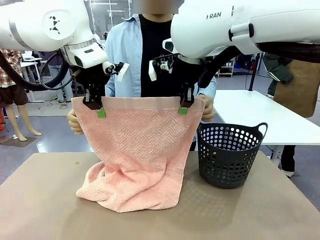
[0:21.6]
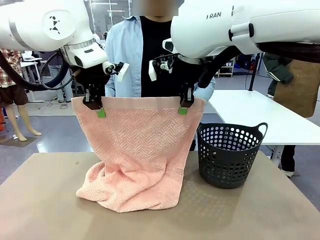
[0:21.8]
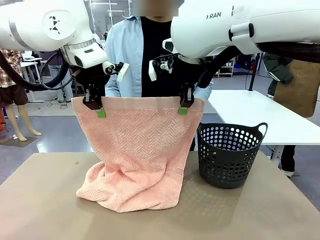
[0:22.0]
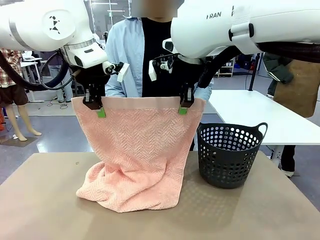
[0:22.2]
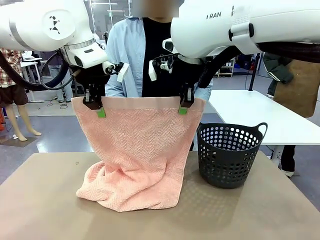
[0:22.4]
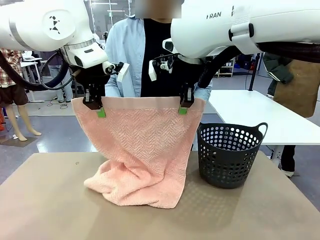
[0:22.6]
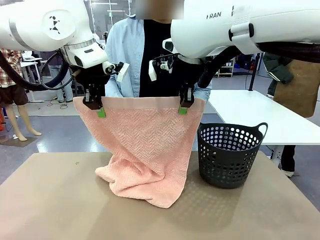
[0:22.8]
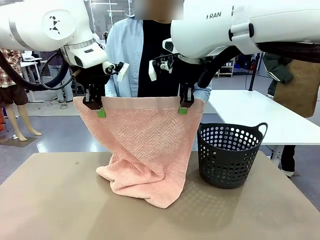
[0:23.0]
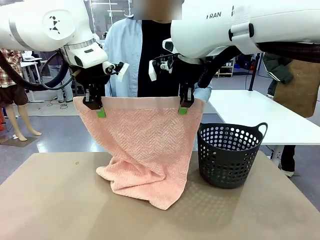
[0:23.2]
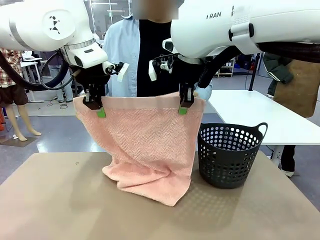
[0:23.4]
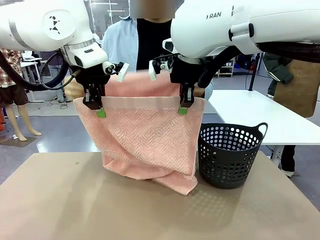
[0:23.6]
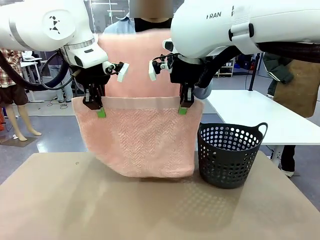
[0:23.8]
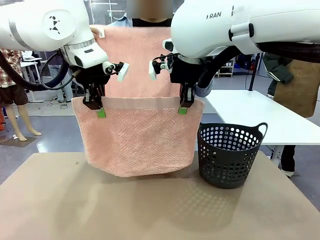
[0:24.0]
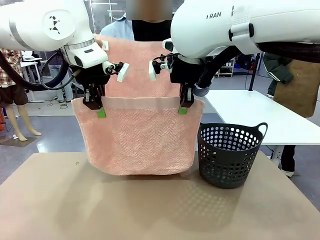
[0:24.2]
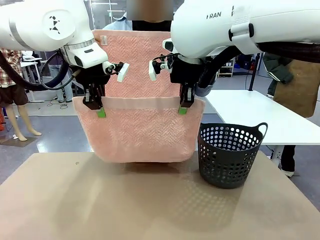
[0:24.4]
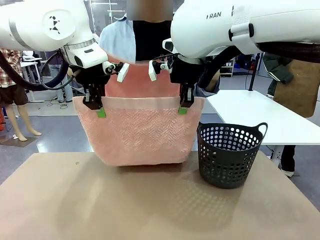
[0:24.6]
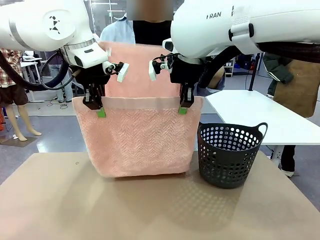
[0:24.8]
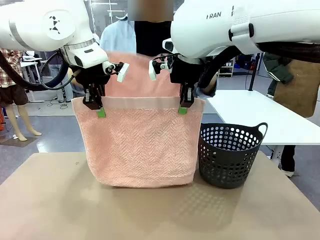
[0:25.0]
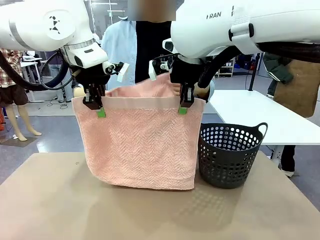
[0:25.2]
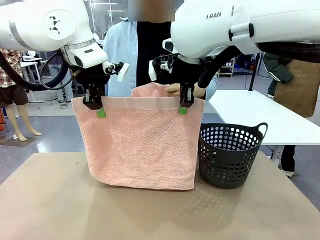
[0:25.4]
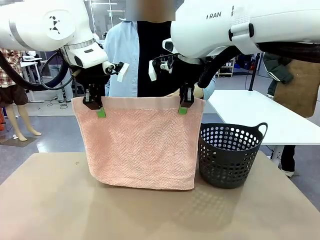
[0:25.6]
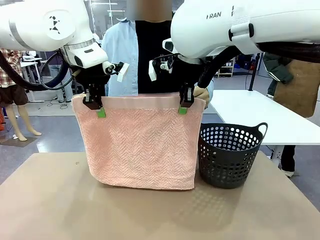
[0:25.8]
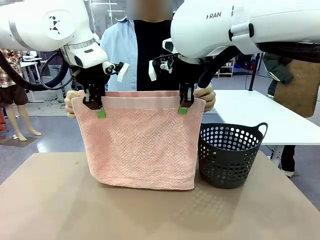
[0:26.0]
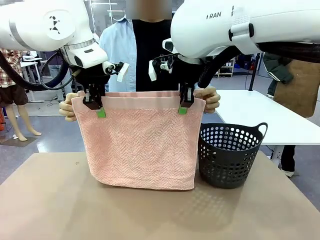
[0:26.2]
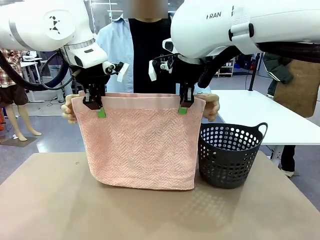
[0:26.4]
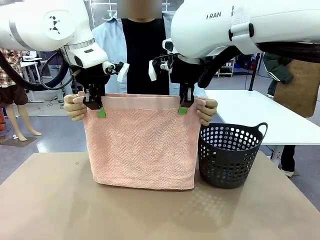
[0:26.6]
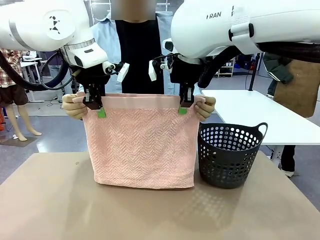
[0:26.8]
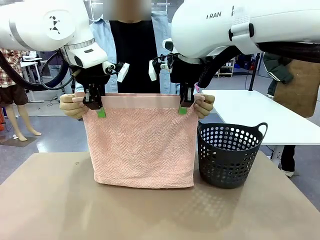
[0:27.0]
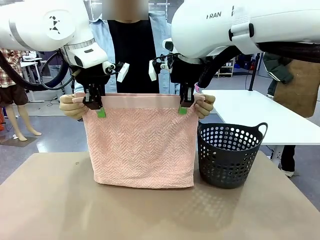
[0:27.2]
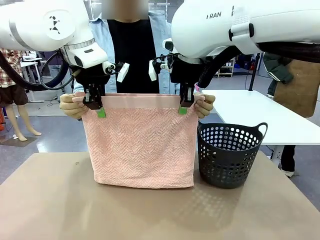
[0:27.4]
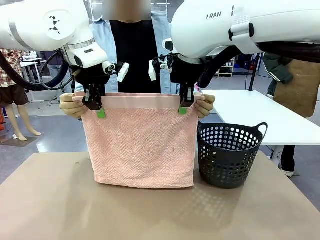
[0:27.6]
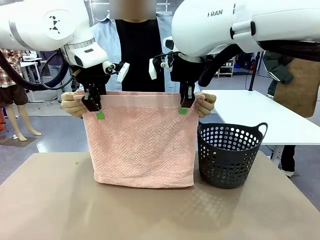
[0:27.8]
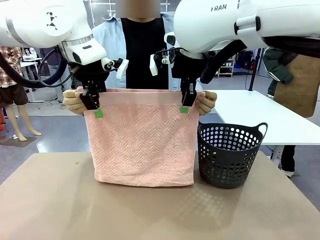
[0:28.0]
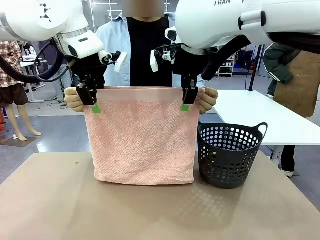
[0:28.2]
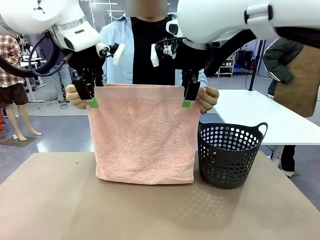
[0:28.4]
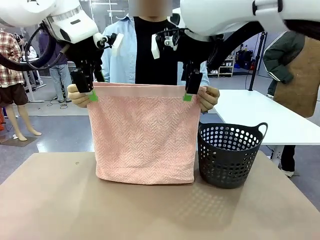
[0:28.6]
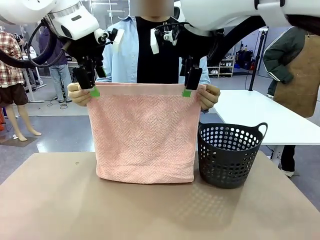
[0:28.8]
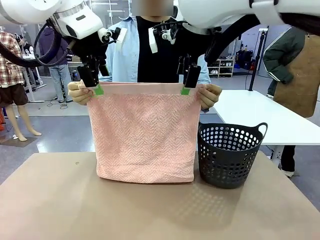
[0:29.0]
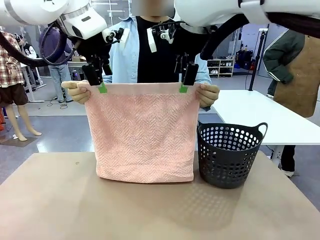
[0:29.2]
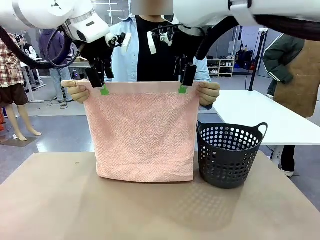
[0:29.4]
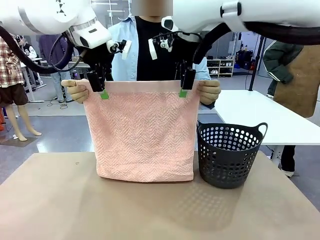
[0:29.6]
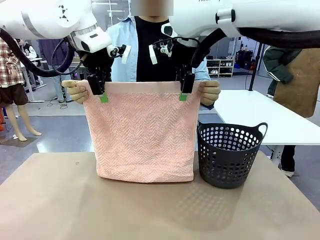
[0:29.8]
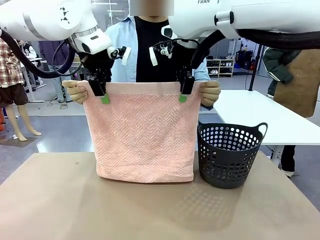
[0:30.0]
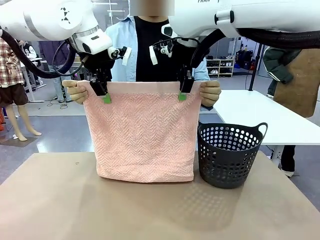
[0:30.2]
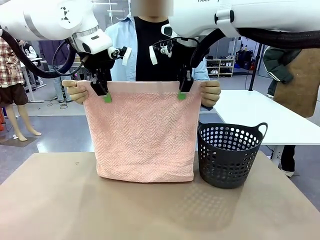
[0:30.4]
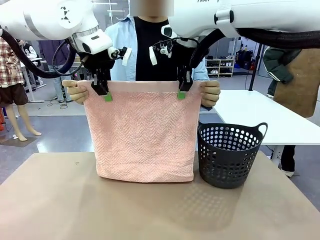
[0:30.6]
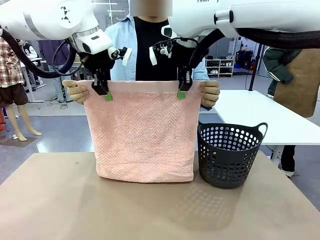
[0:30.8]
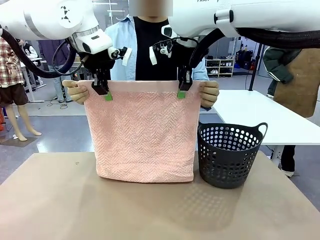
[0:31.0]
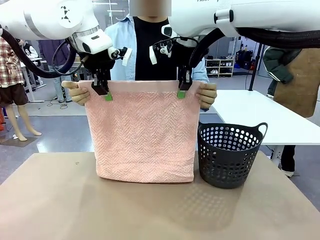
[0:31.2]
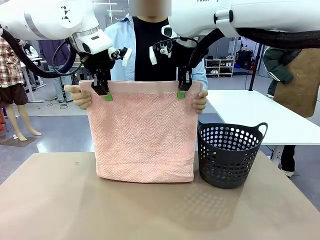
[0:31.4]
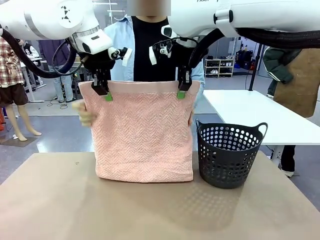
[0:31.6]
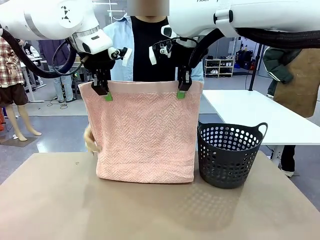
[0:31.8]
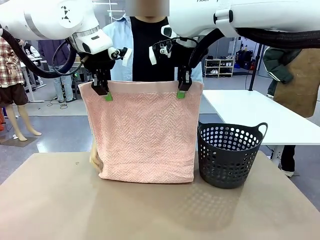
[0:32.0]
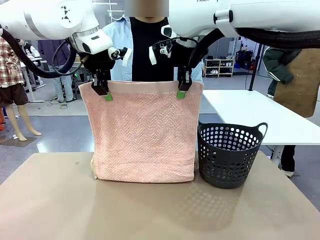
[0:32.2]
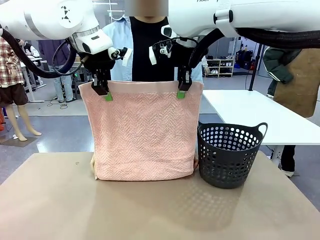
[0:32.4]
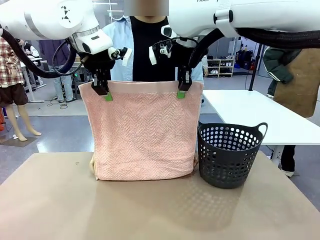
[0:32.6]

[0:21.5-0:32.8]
Task: Fold the towel.
Robot: Release the end of the 100 cm Hotel Towel you were holding and grab the top end of the folded side.
Person: Using the point held by the robot as a reference, grasp the opposite end, fold the towel in half, and then hold both ends of the folded towel.

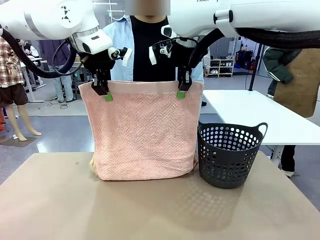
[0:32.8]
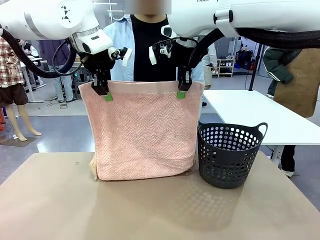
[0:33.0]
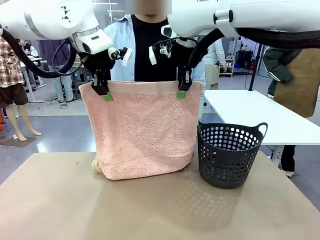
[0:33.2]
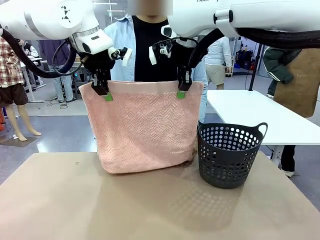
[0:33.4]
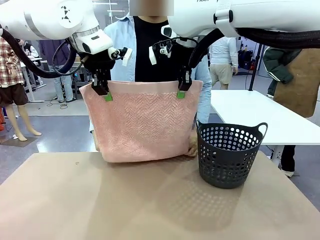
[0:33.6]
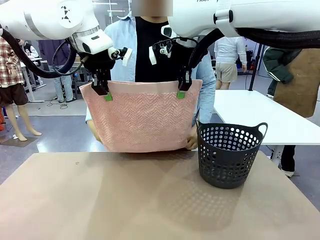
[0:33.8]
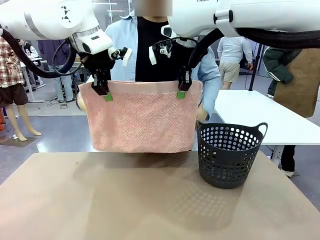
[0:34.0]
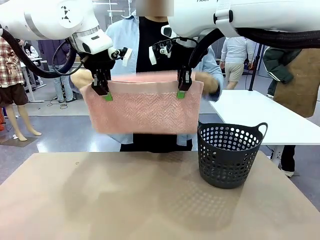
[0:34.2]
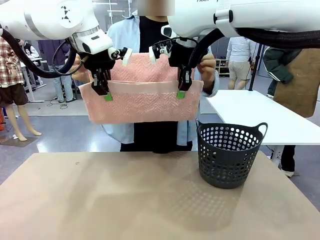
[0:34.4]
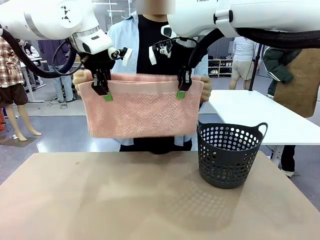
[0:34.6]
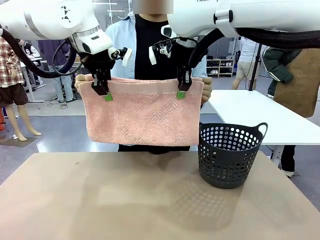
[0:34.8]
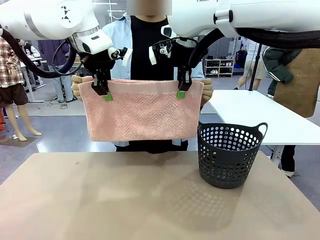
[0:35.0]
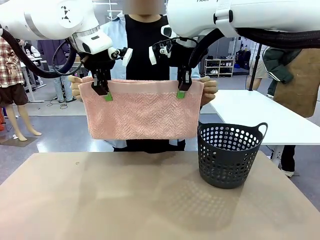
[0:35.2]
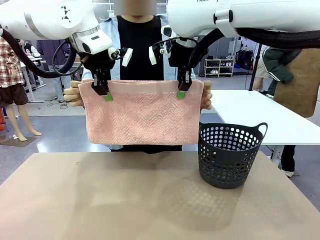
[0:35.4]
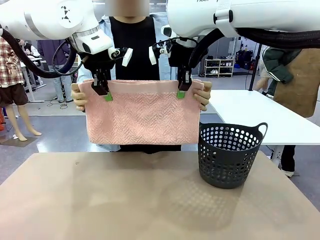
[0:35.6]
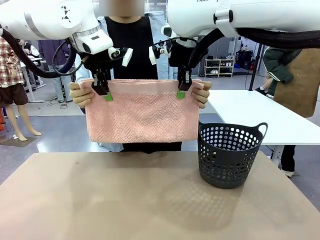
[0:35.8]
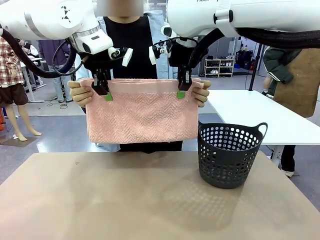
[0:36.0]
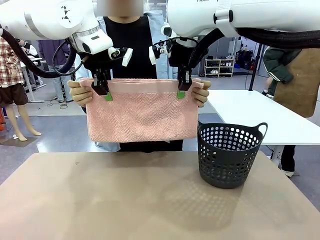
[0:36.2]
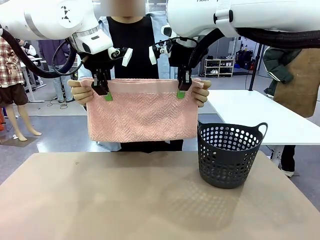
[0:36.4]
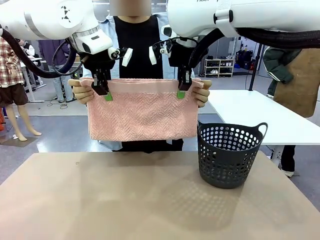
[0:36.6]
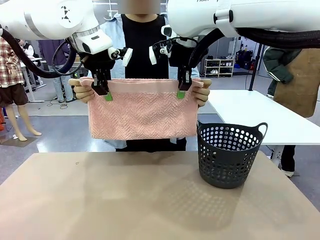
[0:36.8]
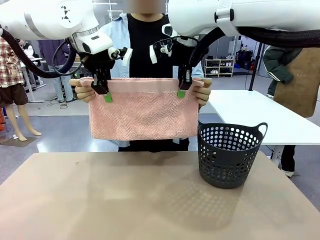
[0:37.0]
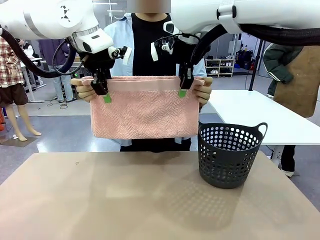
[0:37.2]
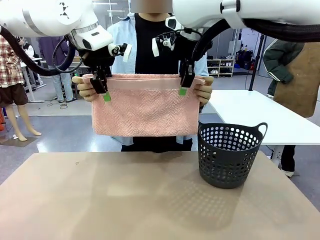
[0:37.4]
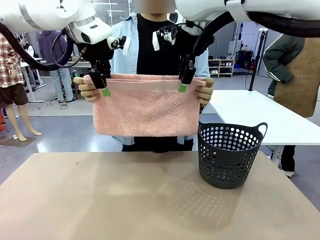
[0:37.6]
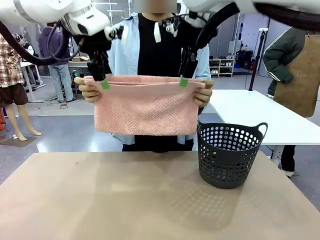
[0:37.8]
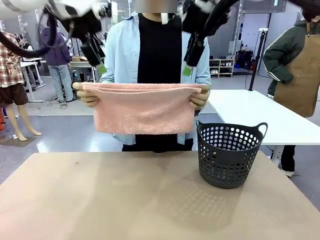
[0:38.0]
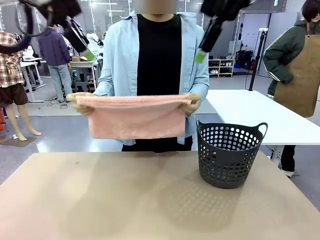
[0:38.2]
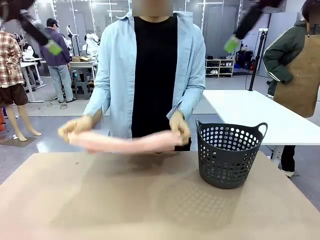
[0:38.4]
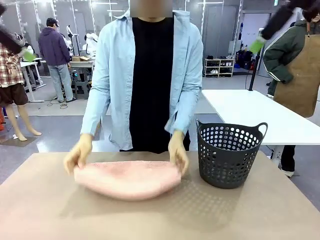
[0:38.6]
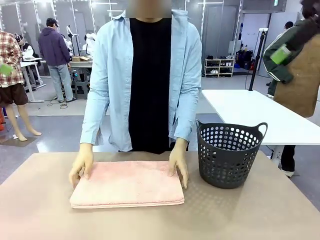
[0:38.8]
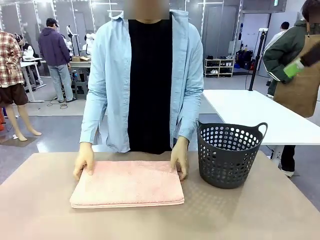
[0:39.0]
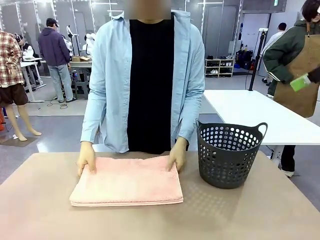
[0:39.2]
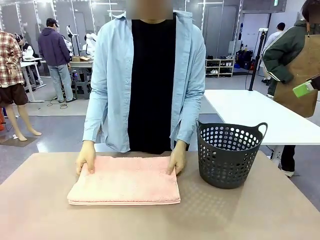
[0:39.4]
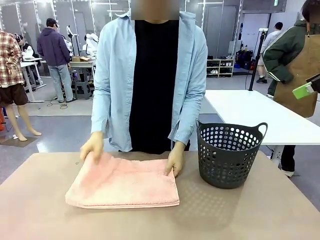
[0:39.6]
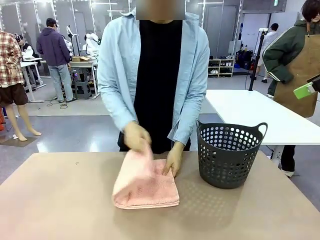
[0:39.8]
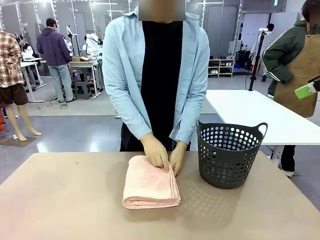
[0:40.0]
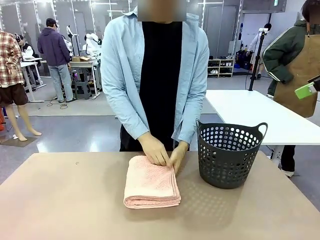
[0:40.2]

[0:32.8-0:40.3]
Robot: Release the end of the 100 cm Hotel Towel you were holding.
Person: Place the towel at the center of the robot table and fold it in half.
